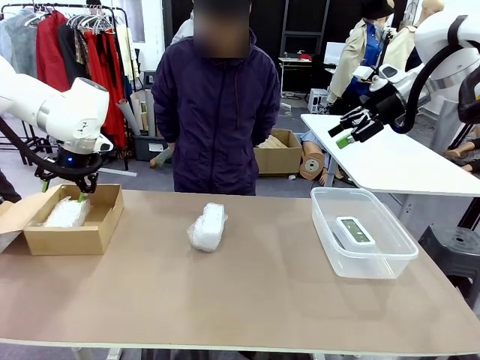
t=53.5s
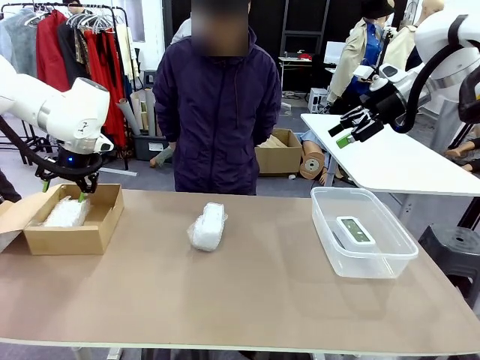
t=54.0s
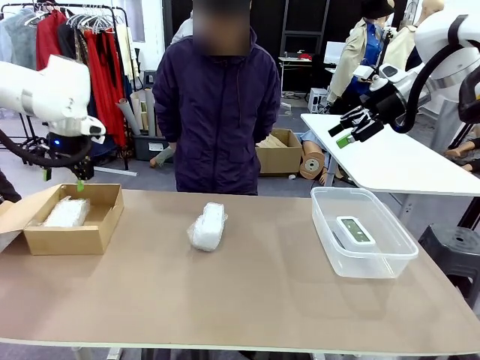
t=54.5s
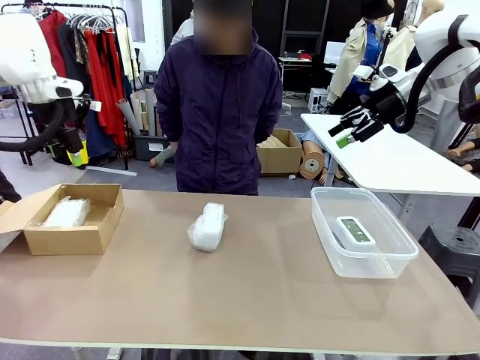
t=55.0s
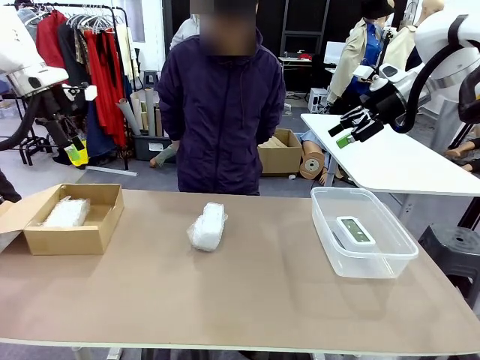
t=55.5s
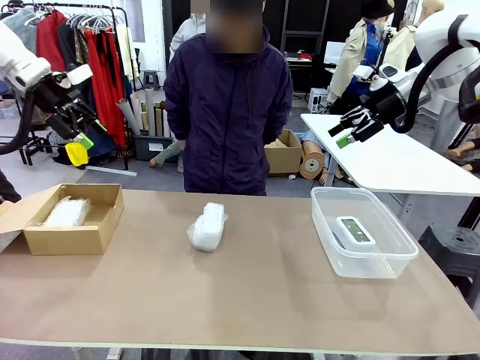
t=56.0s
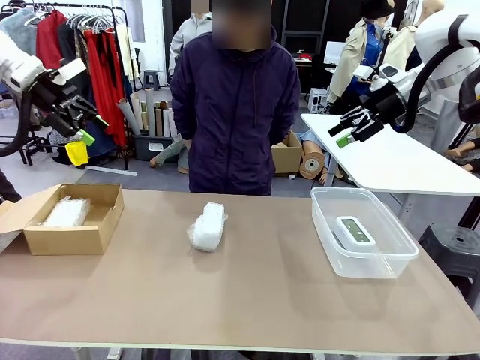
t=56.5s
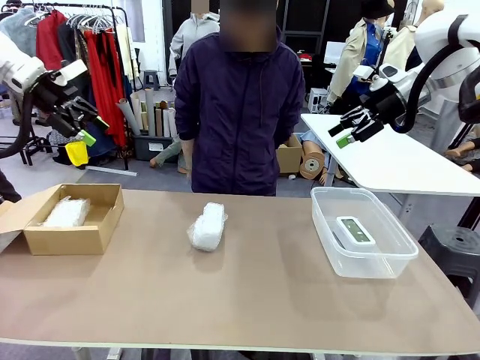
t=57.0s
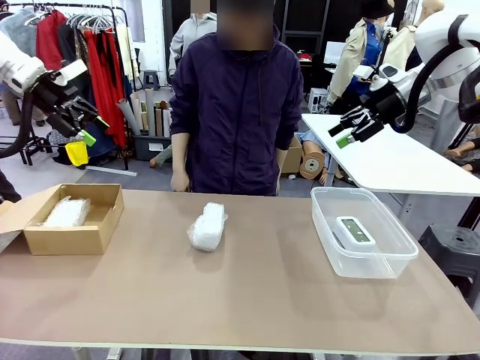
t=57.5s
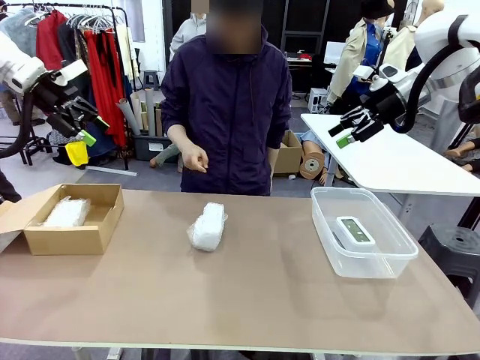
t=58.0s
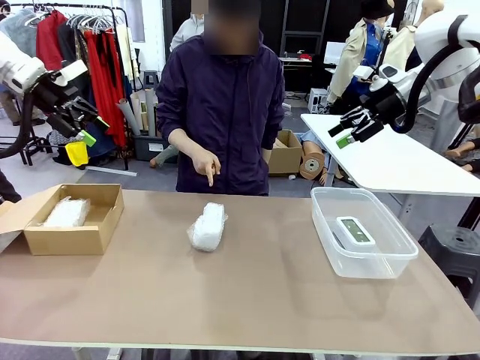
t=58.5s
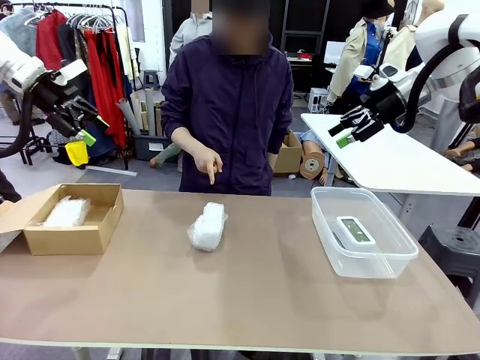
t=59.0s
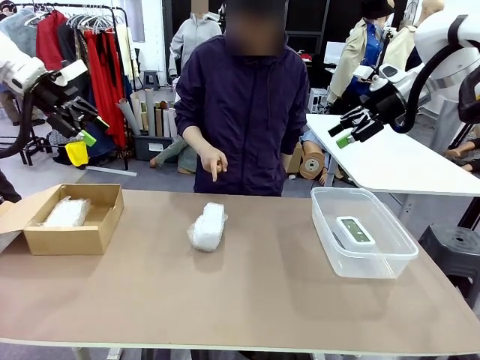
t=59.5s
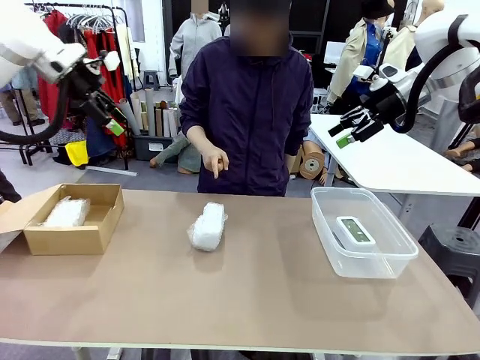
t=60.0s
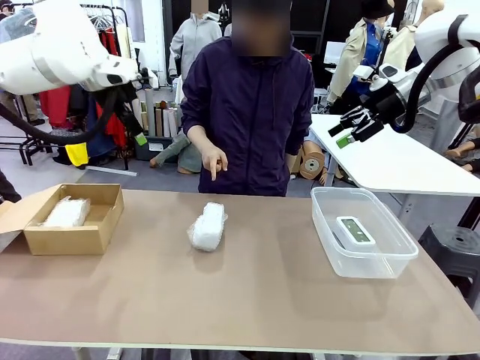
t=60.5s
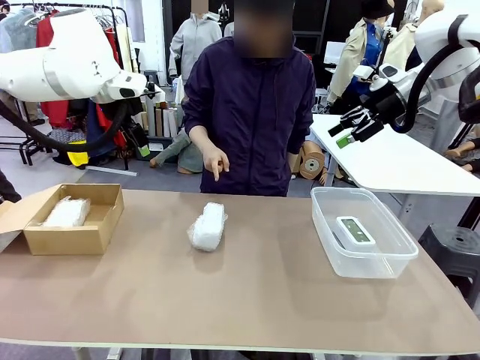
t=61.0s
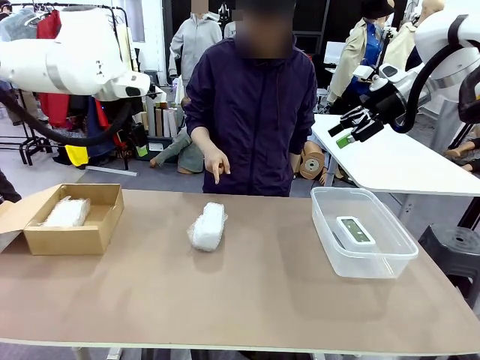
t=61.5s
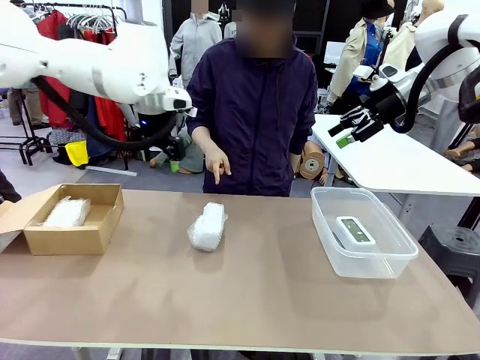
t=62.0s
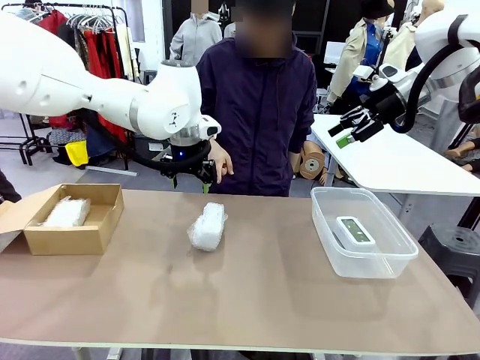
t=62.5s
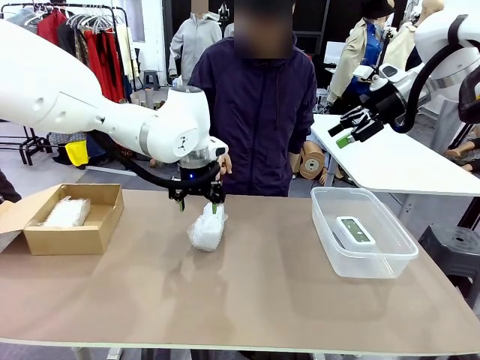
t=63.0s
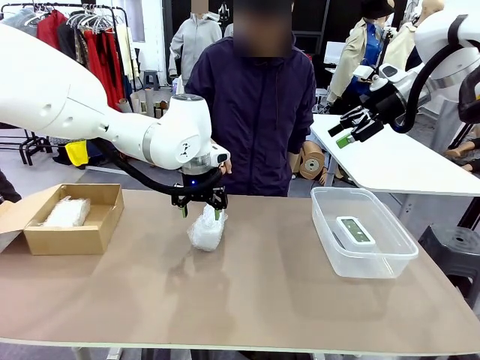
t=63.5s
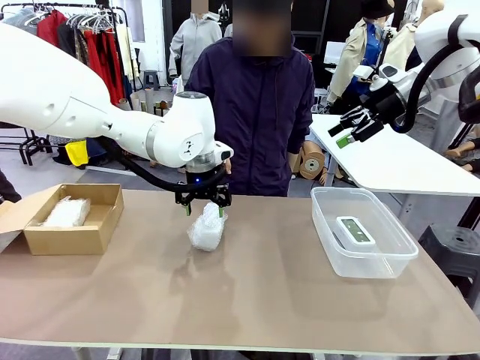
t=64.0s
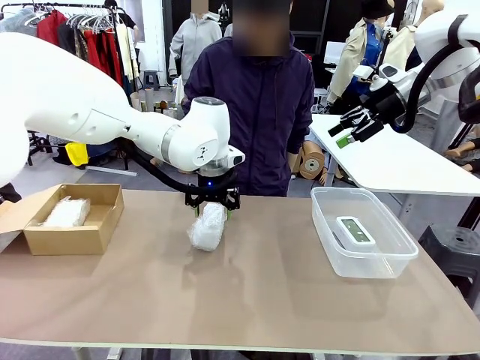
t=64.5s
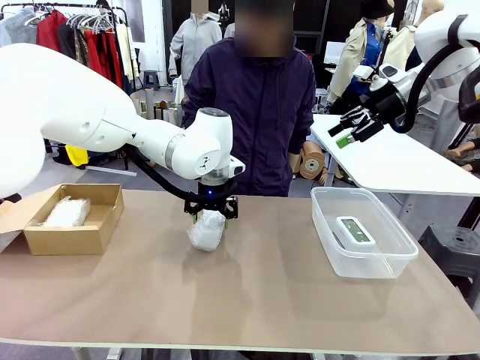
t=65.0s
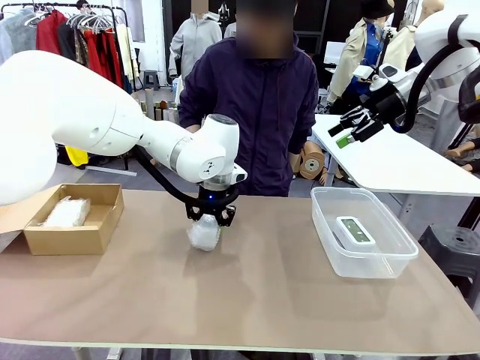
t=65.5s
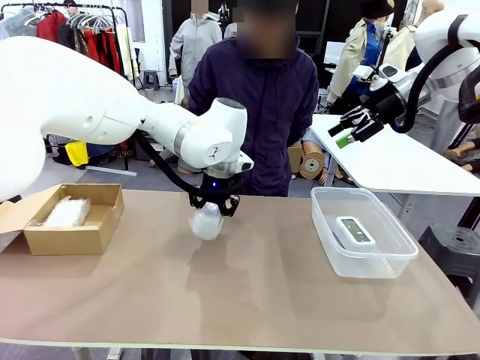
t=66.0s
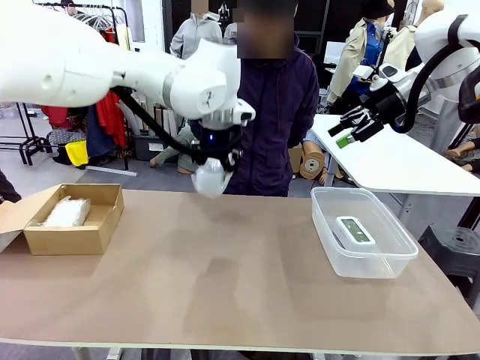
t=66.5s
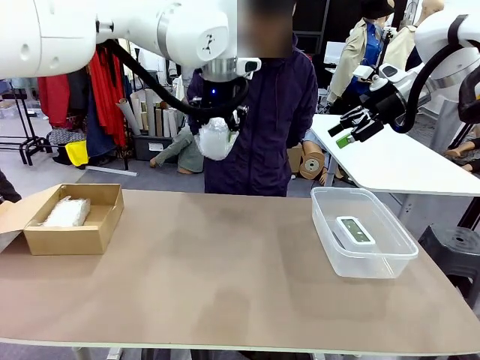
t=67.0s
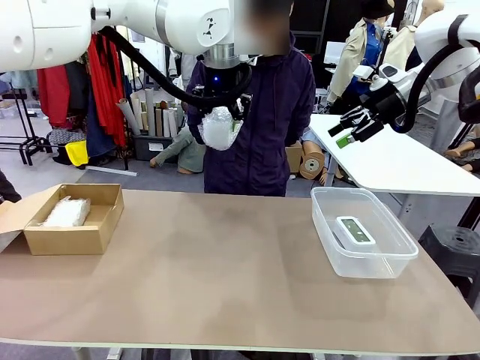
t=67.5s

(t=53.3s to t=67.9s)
Task: Separate and place wrapped and unwrapped clocks.
Robot: Pick up the Digital clock indicated by the person.

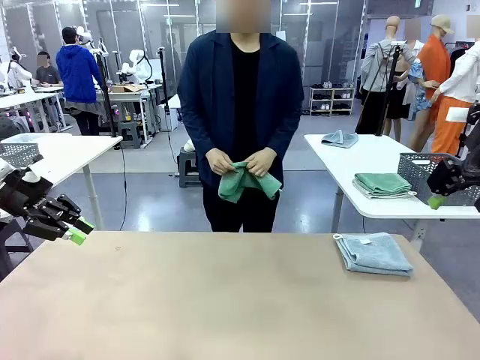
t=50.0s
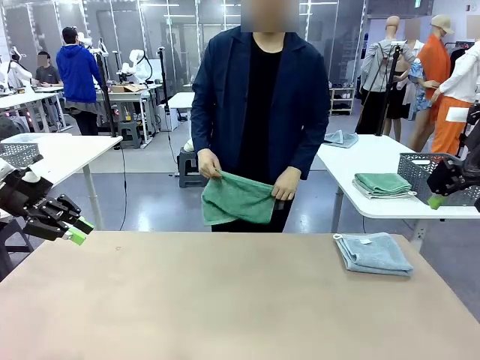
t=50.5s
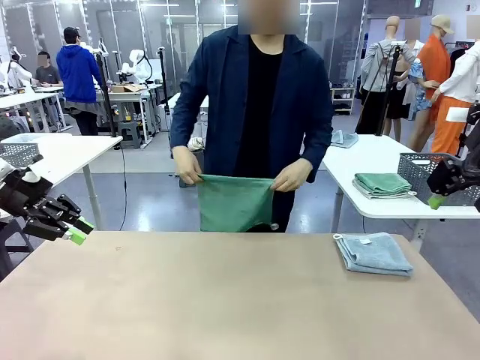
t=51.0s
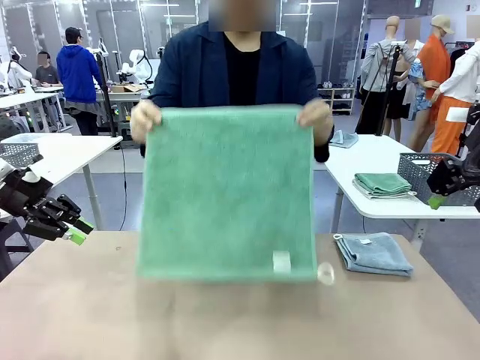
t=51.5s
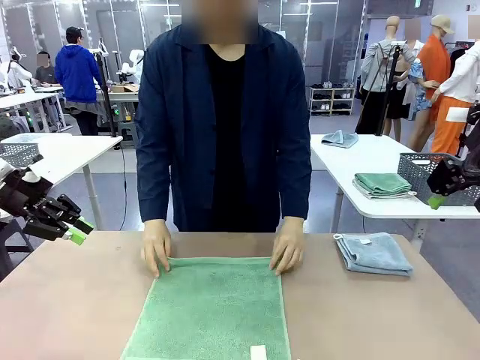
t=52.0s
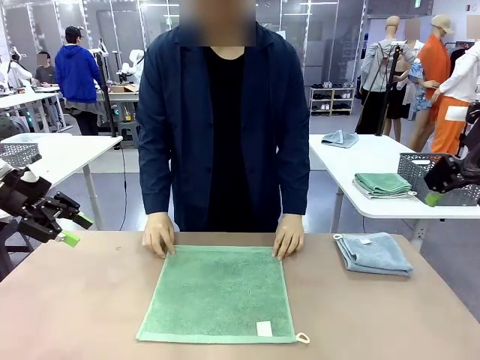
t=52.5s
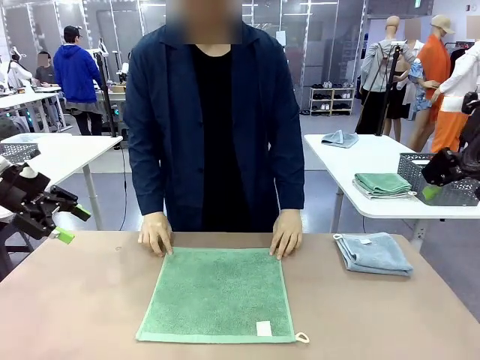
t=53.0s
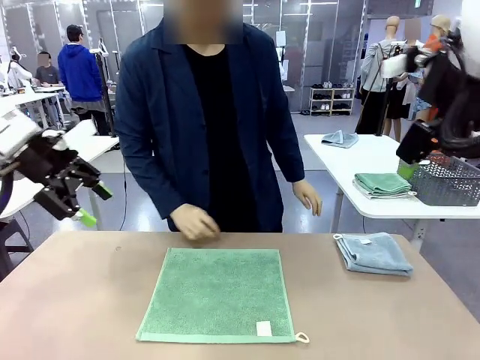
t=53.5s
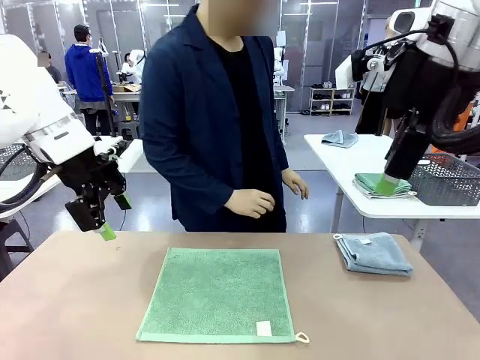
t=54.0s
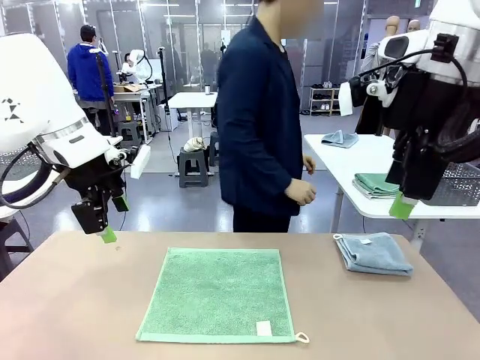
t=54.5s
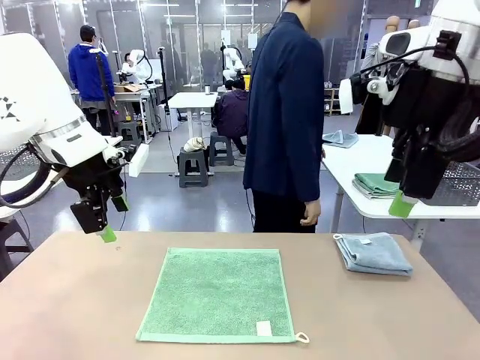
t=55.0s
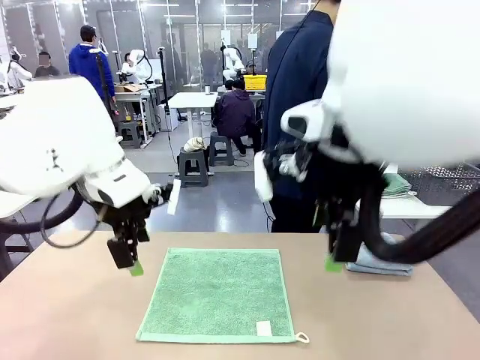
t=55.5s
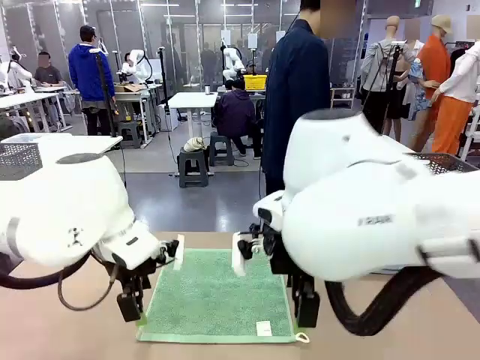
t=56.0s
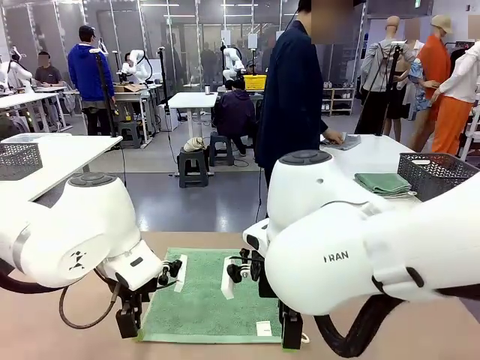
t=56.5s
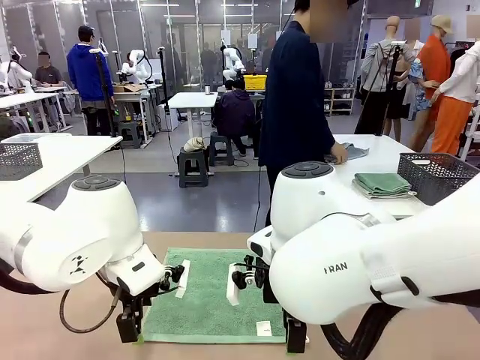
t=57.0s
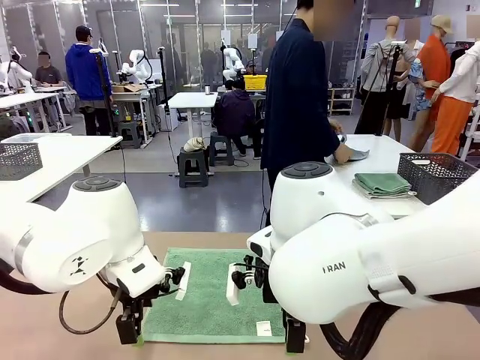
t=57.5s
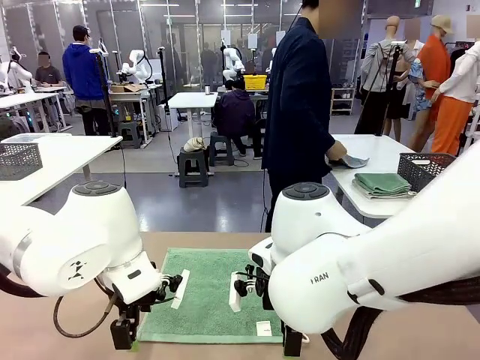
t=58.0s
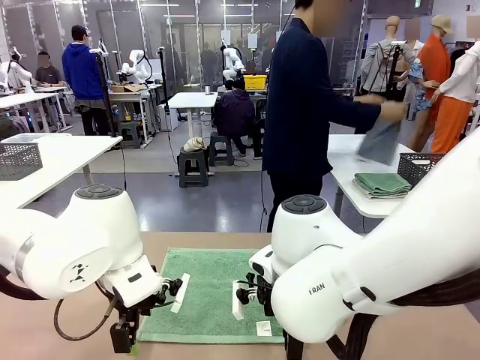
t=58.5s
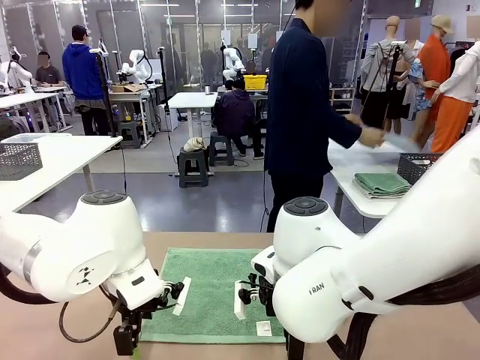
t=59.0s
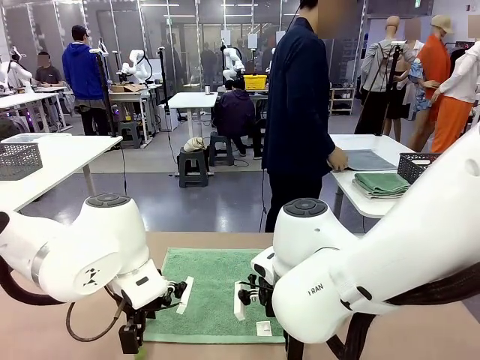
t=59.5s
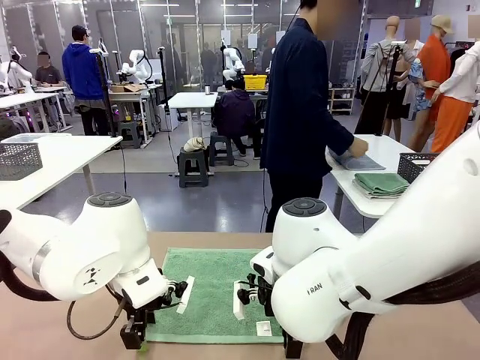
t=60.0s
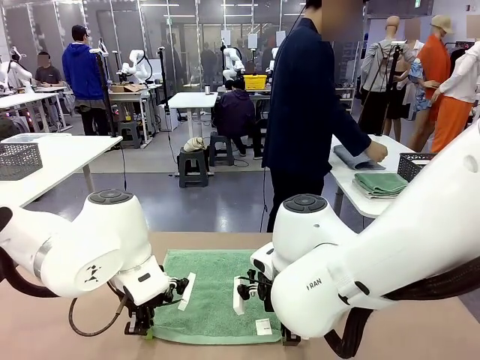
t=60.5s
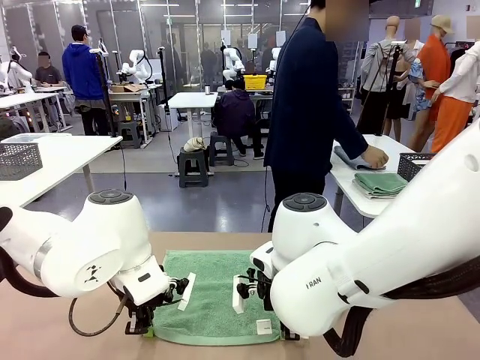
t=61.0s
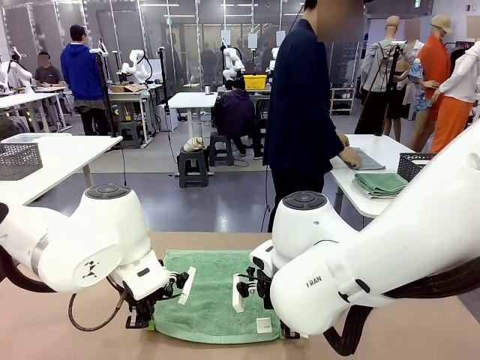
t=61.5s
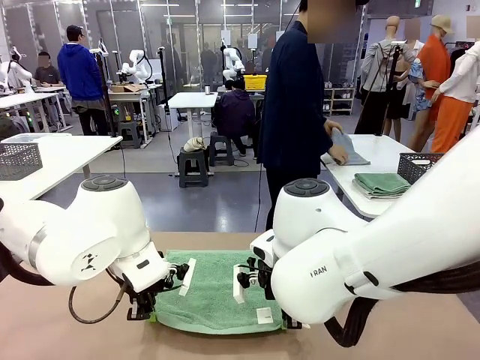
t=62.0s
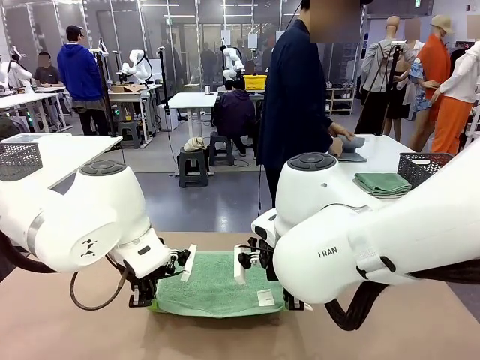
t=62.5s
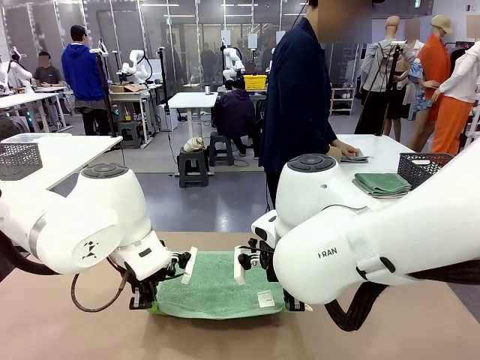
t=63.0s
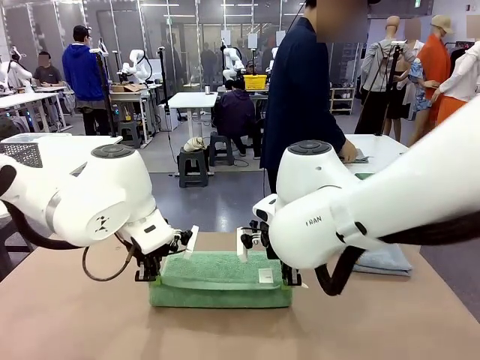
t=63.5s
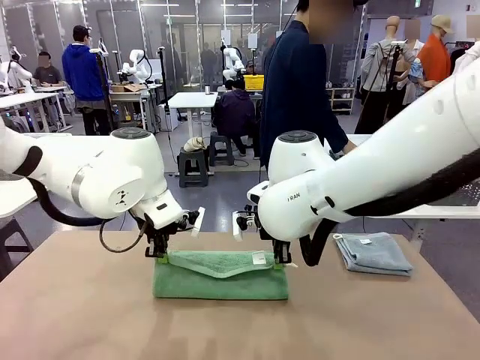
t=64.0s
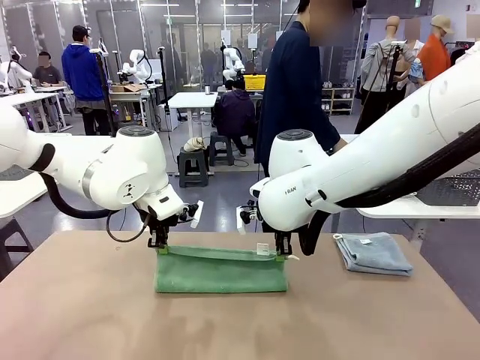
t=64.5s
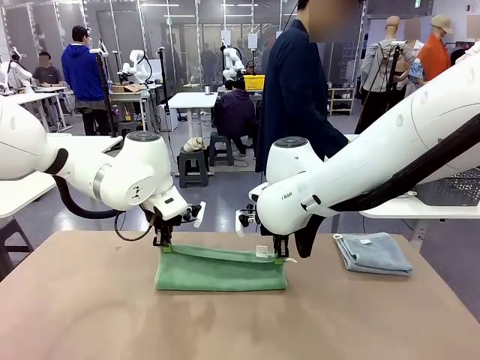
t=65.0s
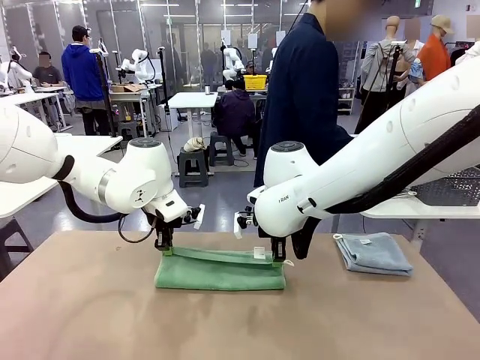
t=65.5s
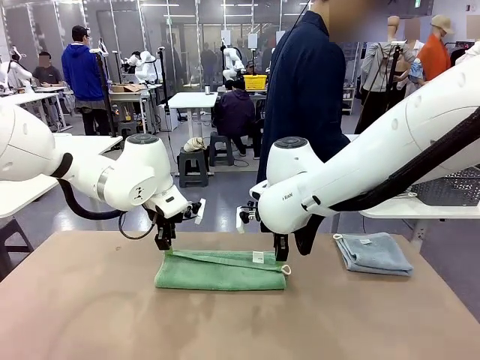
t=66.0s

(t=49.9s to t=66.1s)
Task: Fold the towels and place them in the basket.
Robot: When a person lays out a Towel with hook on the table, fold it in half twice.
Person: Pick up one towel from the left side of the human table, fold it in half twice, and stack it on the right side of the table.
